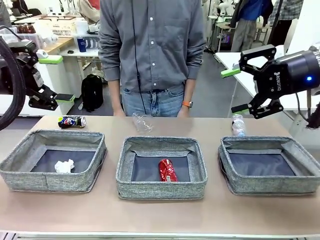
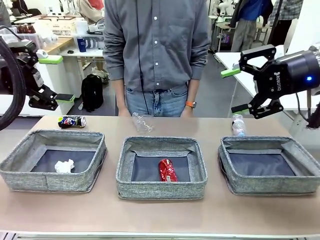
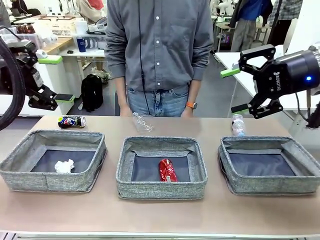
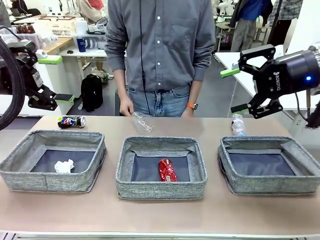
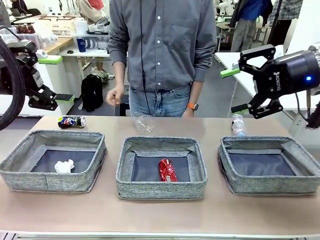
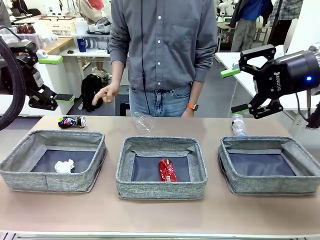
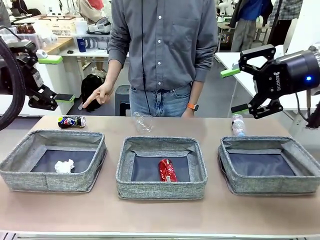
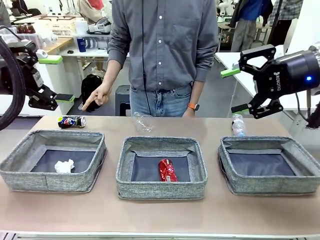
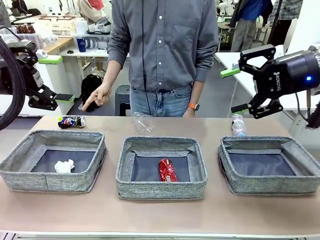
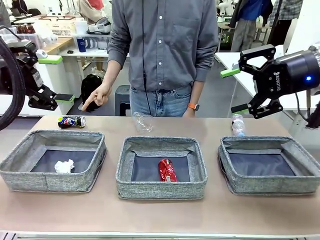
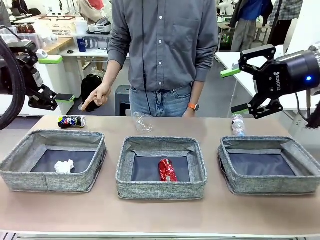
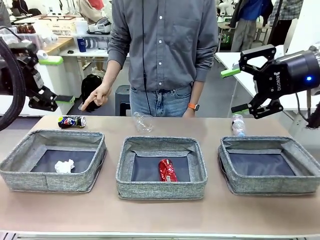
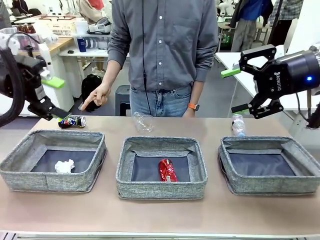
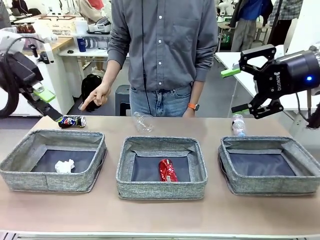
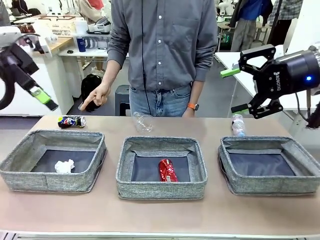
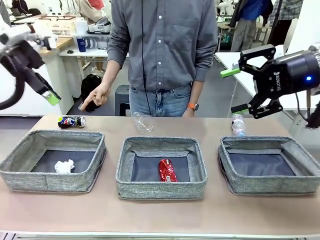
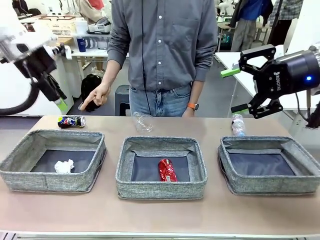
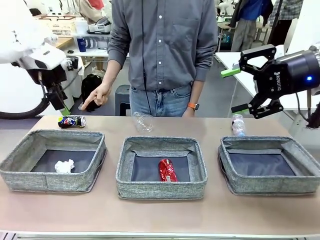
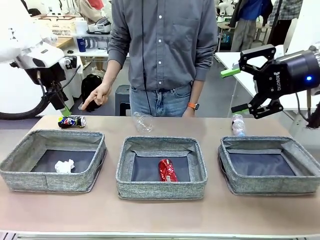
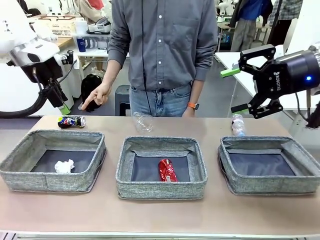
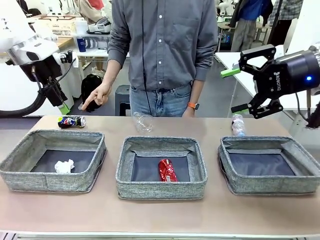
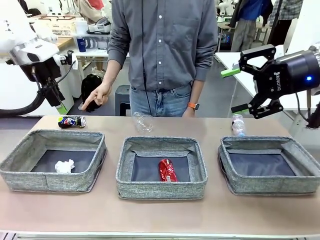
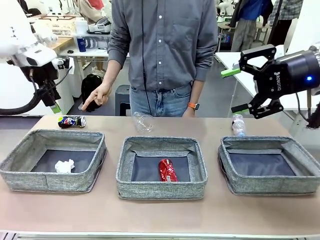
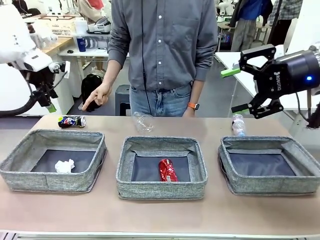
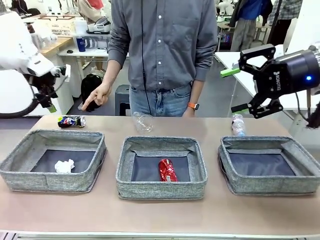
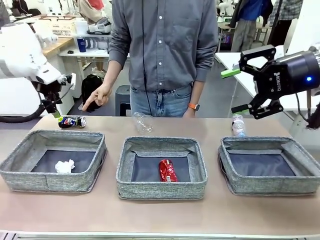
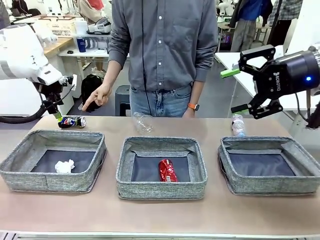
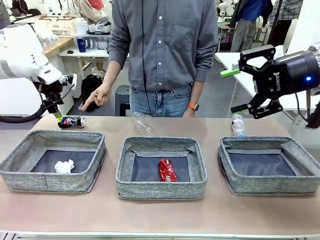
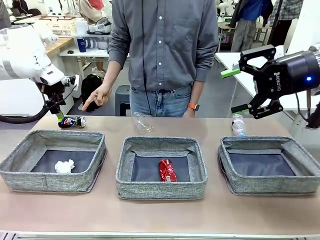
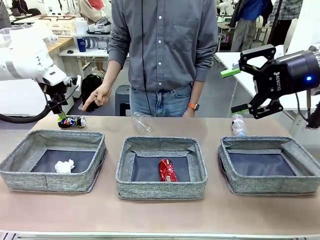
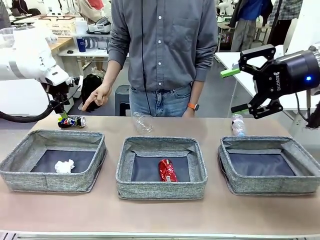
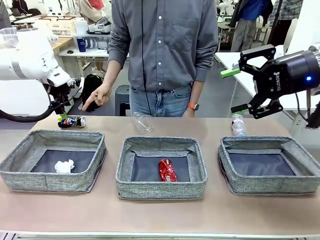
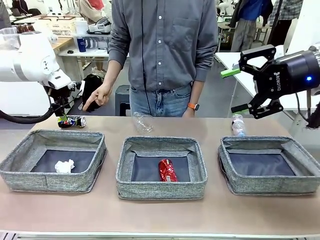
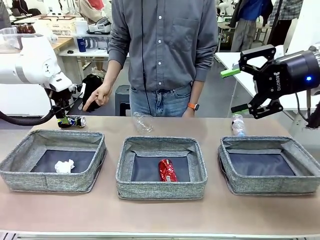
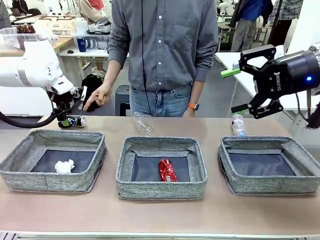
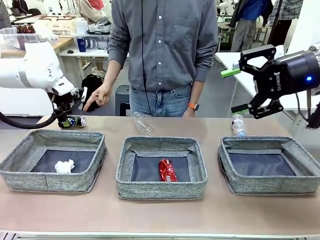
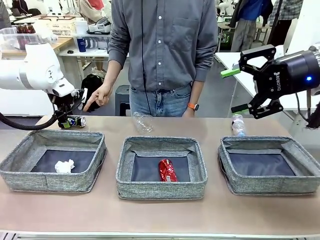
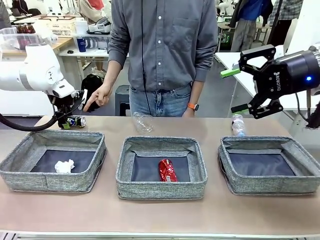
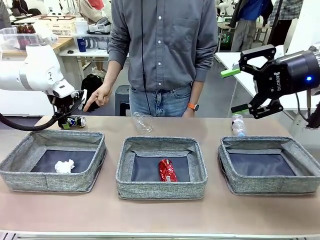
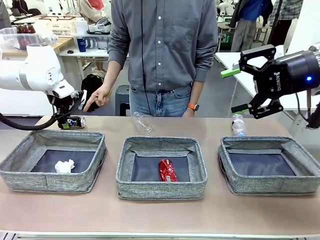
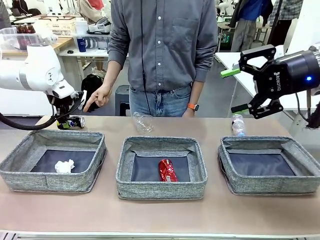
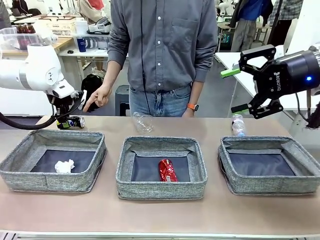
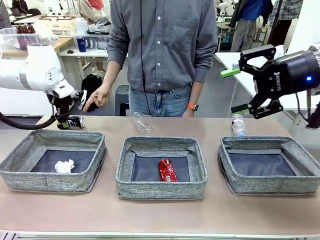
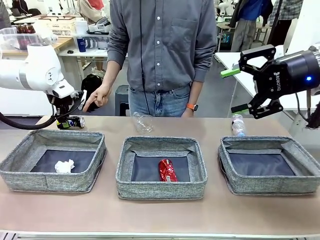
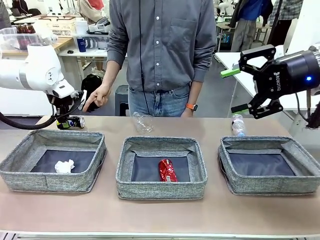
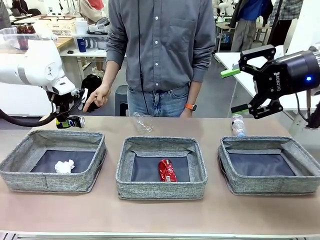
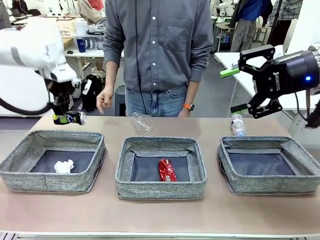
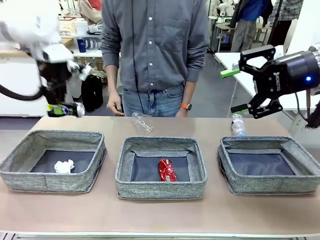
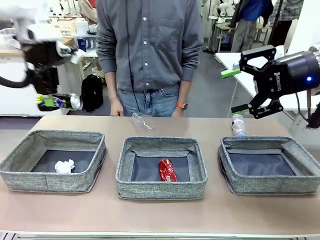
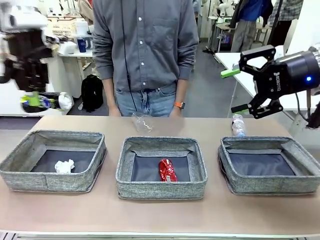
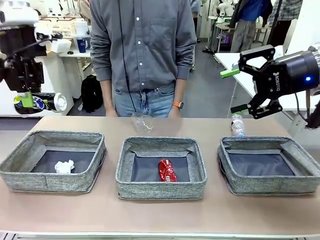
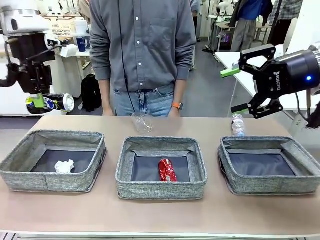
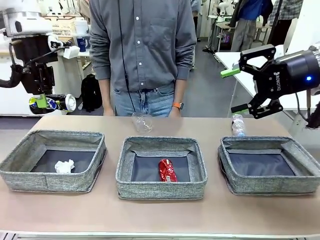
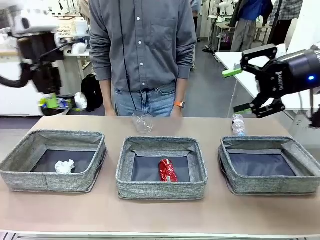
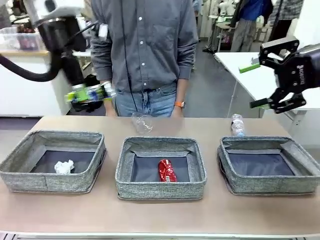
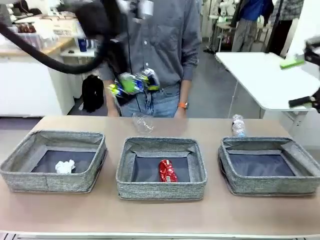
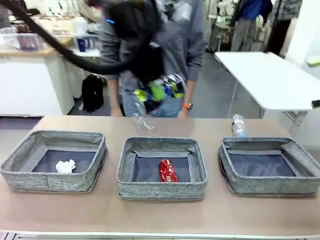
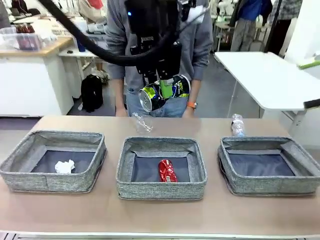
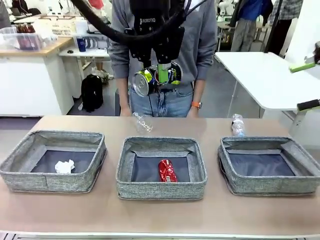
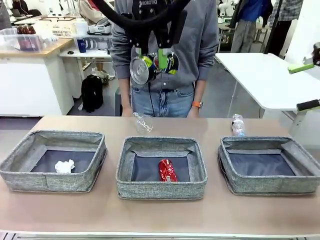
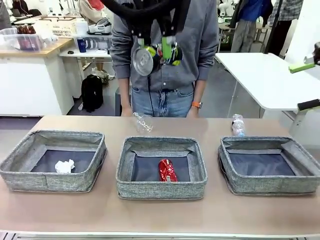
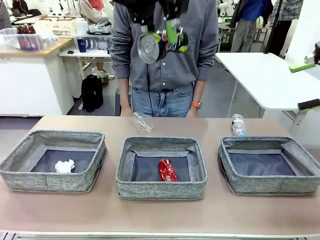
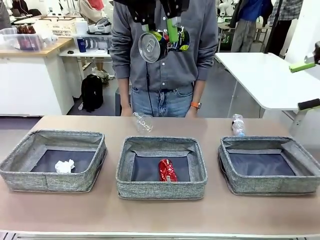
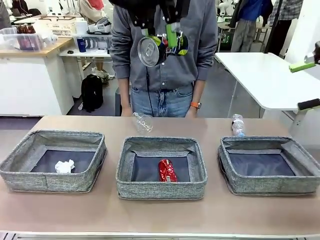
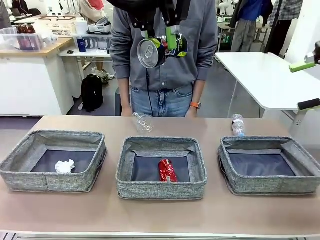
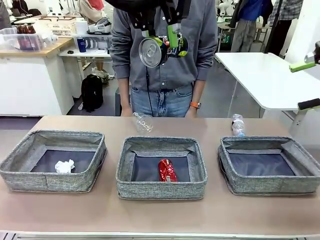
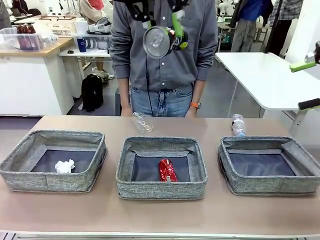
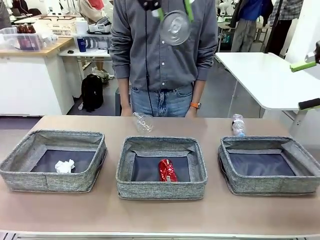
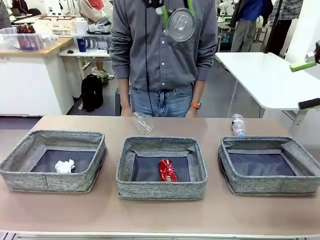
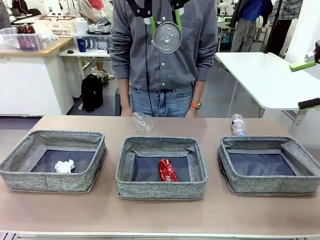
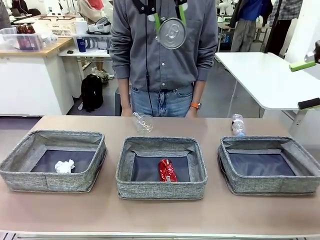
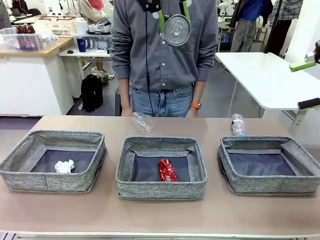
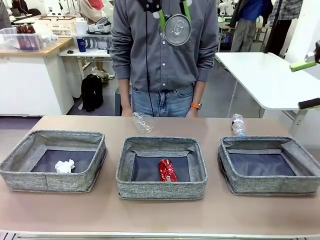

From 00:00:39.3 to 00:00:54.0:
Task: Sort the waste into the appropriate baskets.
Robot: Pick up the waste item pointed out by the person.
Person: Points to one piece of trash on the table.

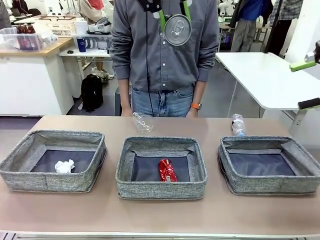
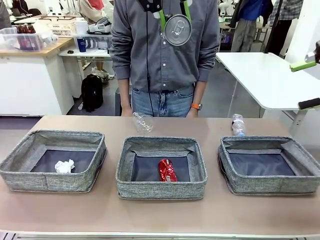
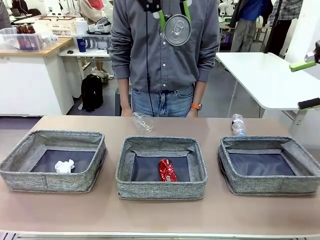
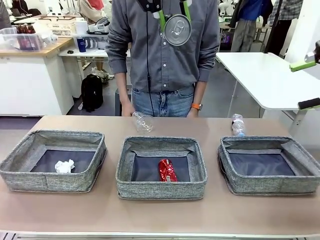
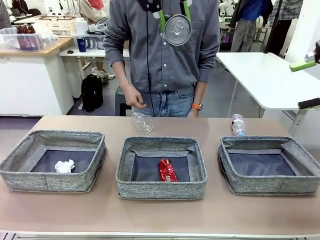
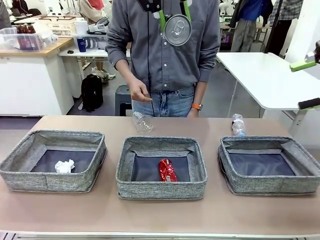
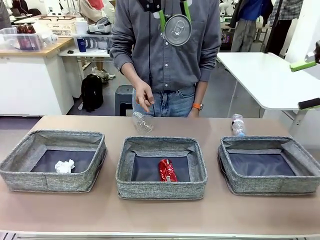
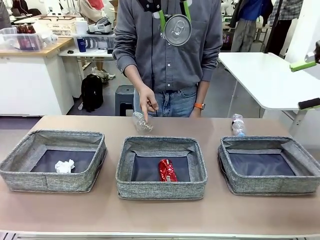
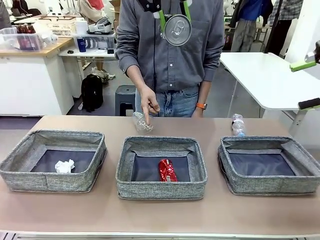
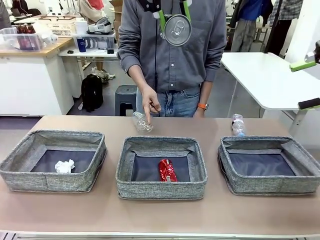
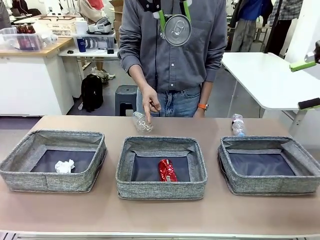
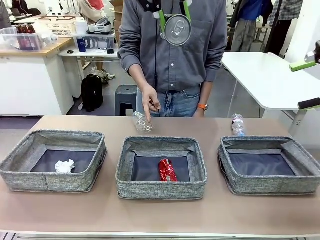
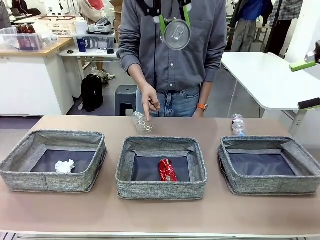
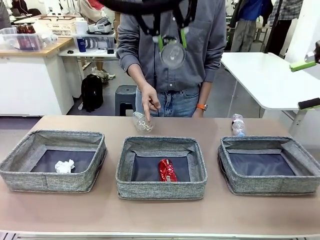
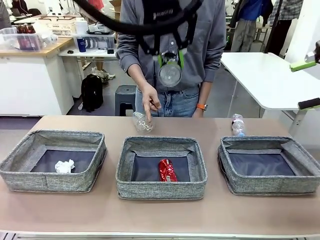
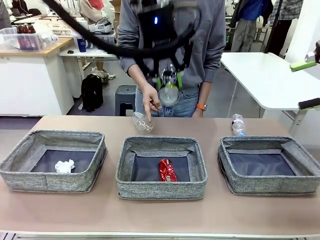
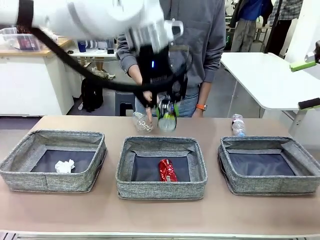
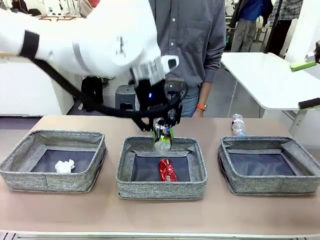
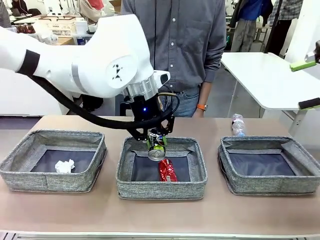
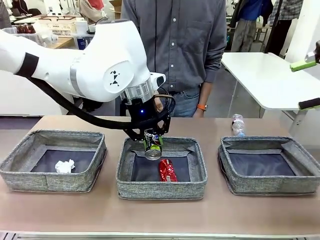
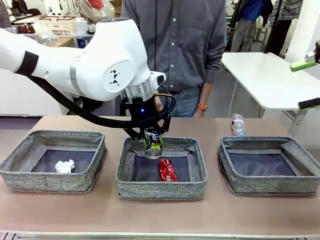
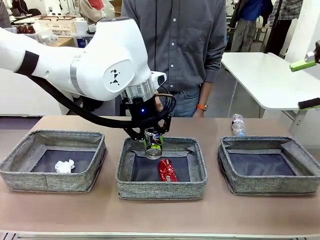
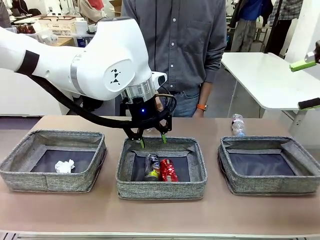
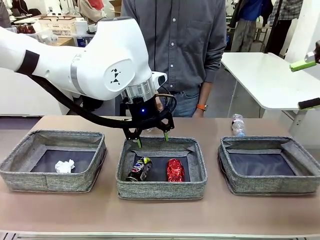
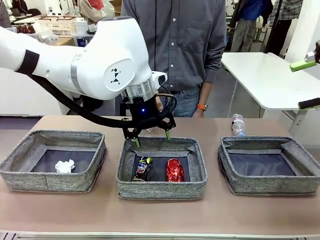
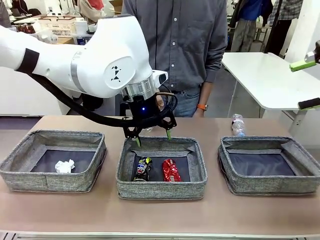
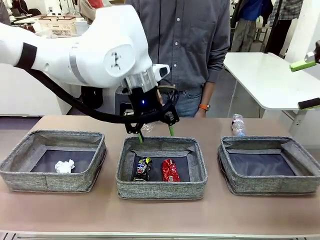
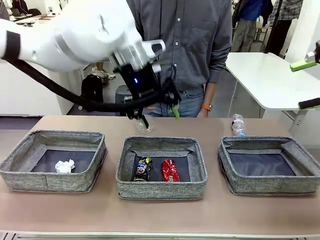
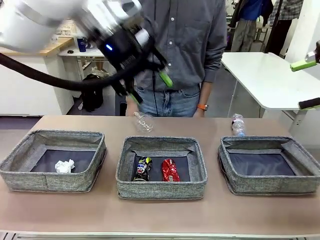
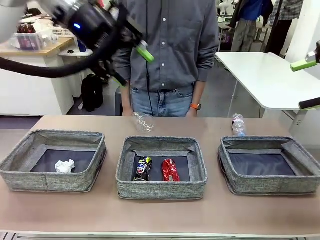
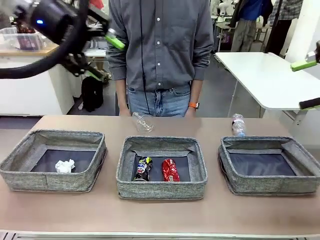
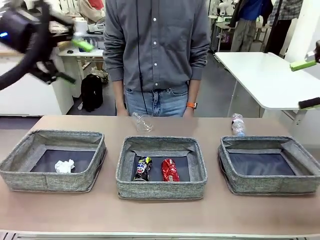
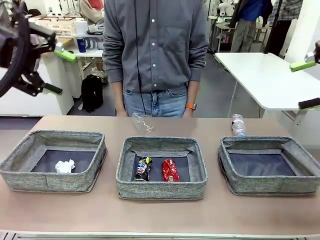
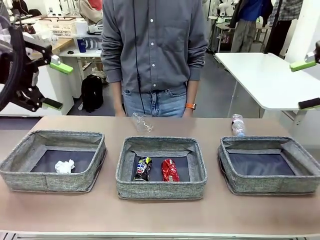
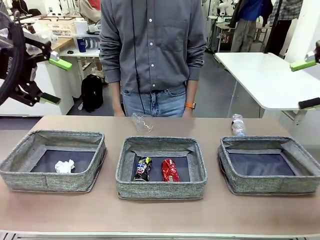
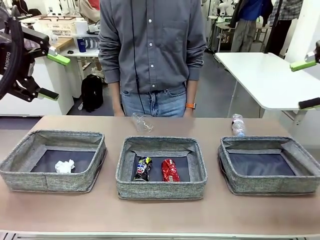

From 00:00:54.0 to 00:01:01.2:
Robot: Place the picked waste into the Fabric basket indicated by the person.
Person: Instructs the robot to place the picked-up trash into the appropriate organizing basket.
